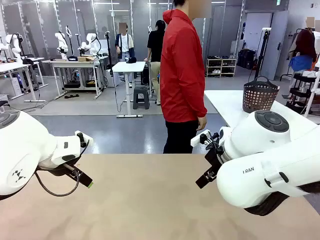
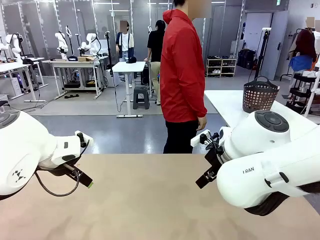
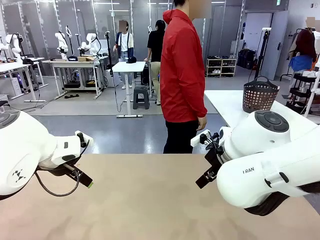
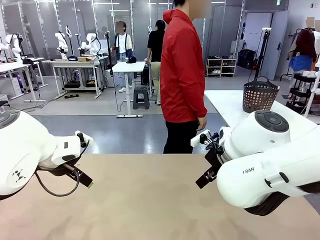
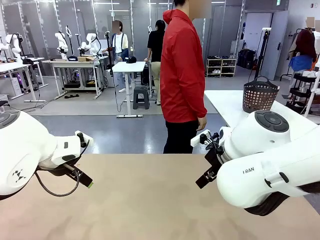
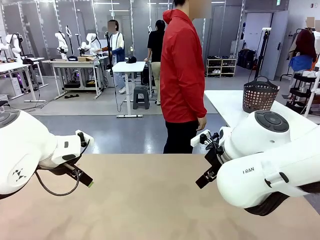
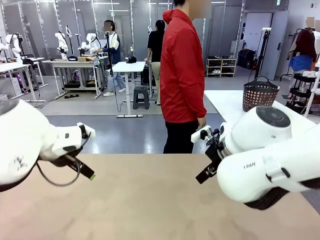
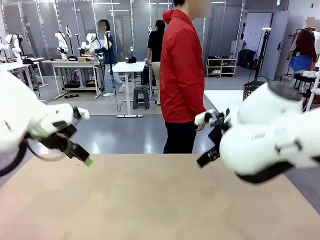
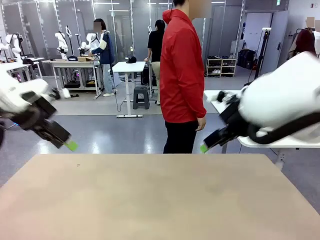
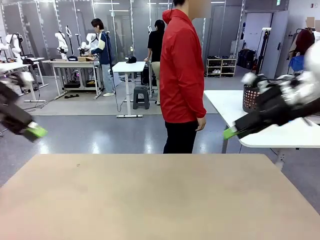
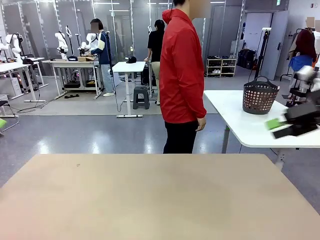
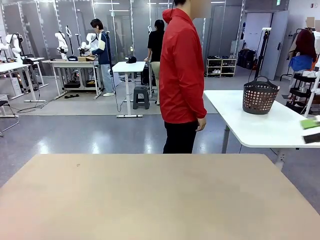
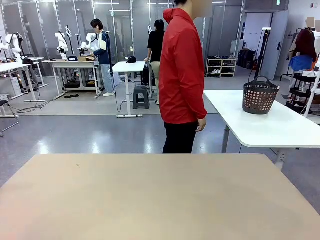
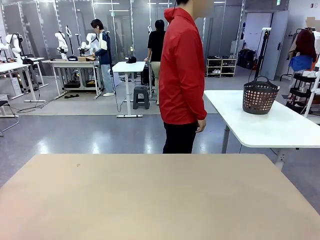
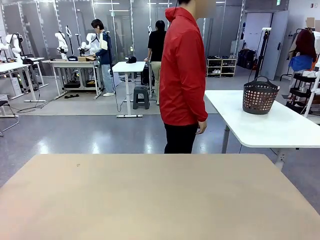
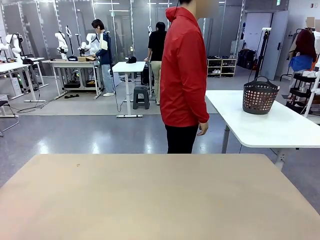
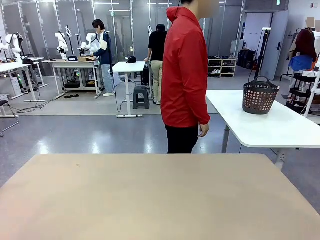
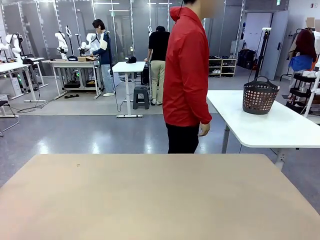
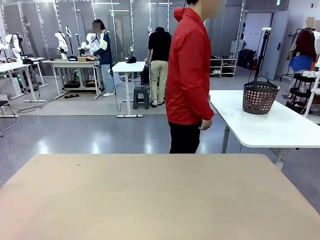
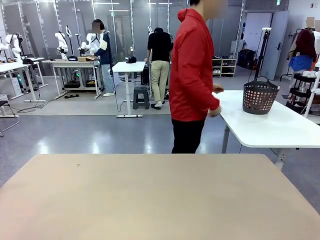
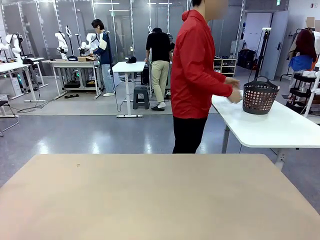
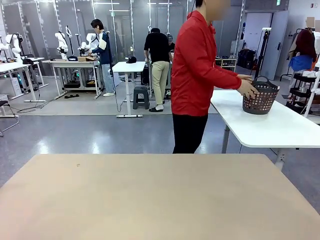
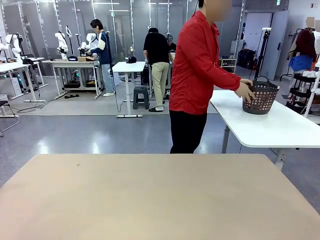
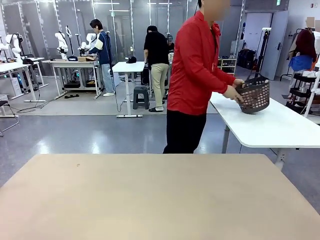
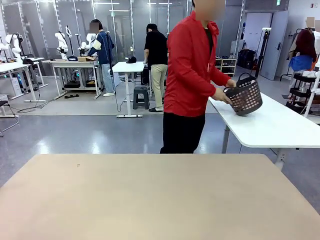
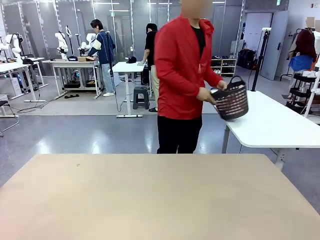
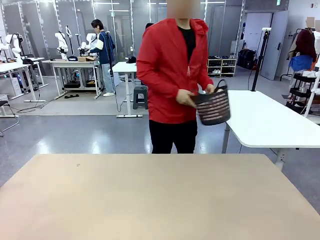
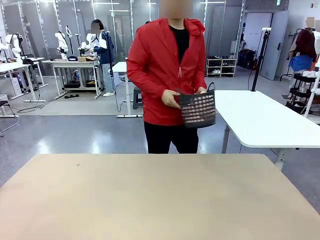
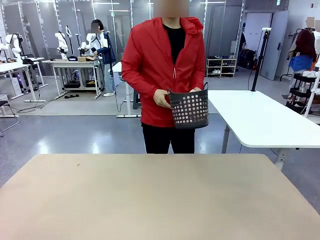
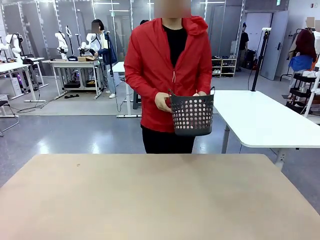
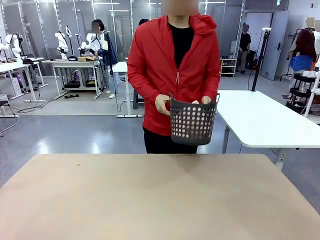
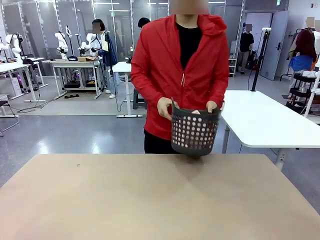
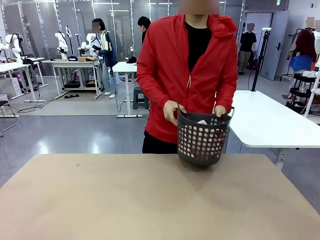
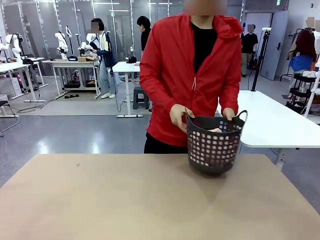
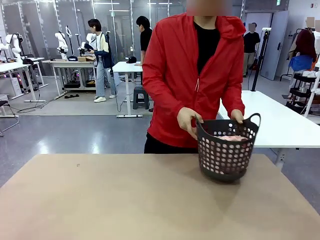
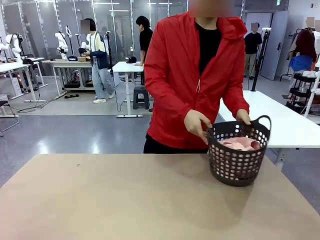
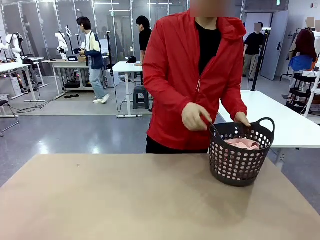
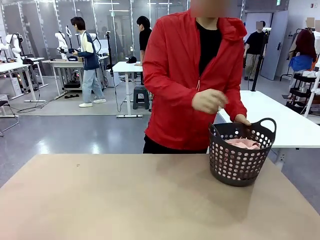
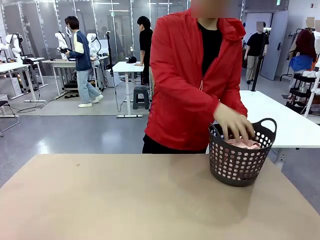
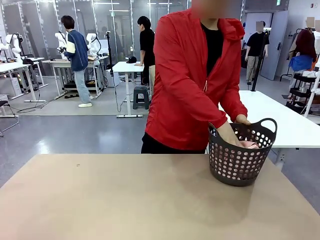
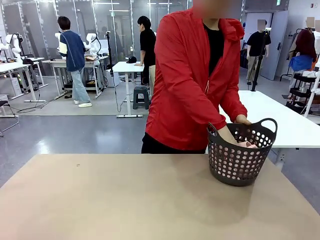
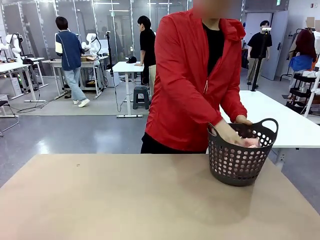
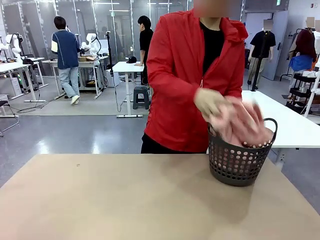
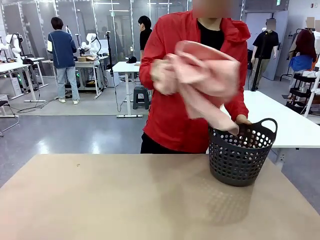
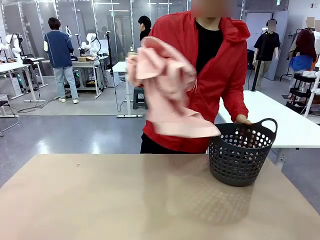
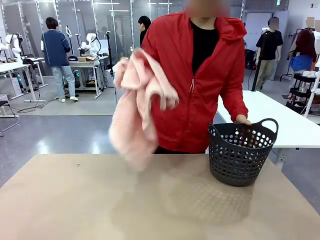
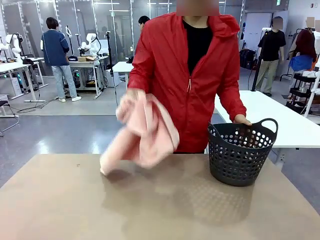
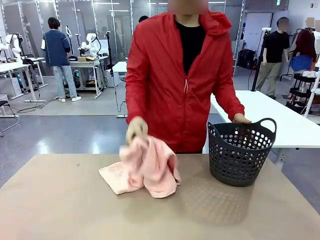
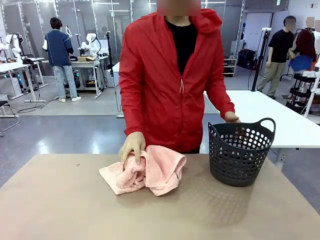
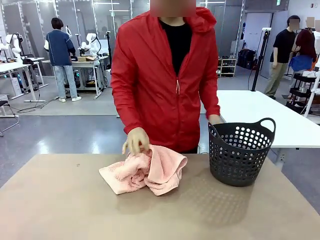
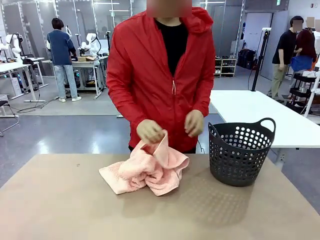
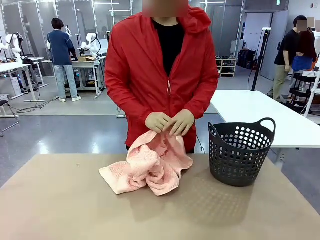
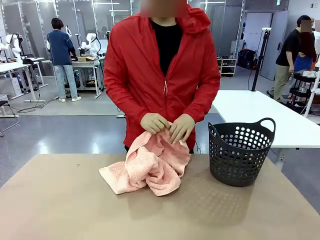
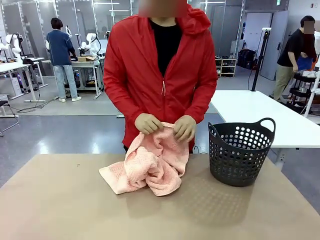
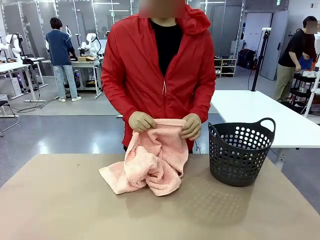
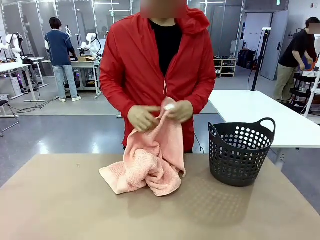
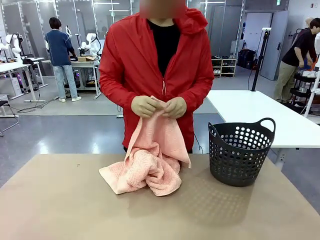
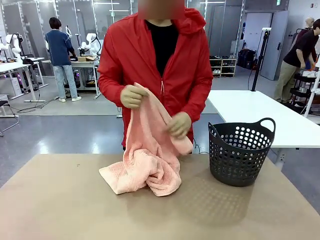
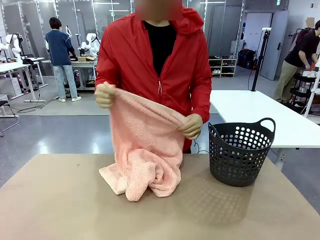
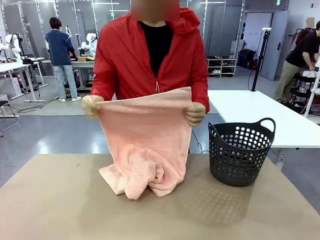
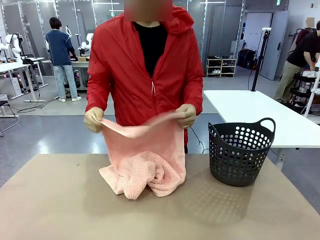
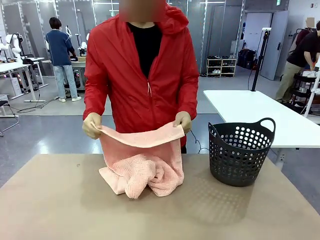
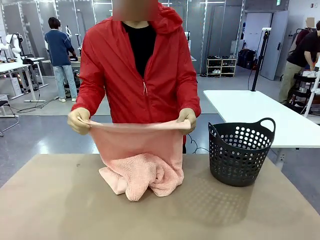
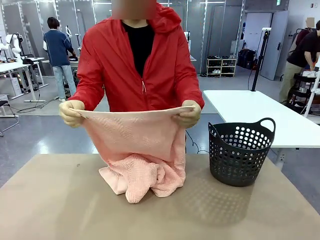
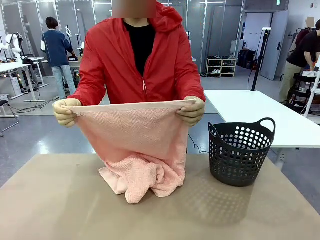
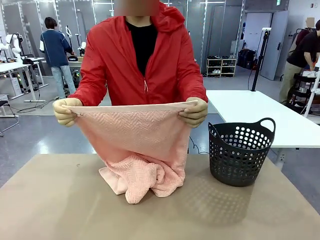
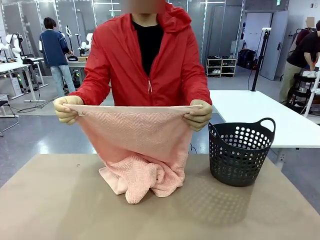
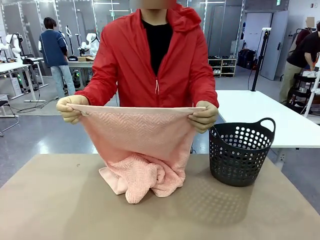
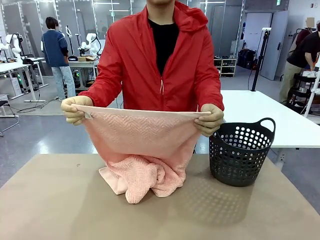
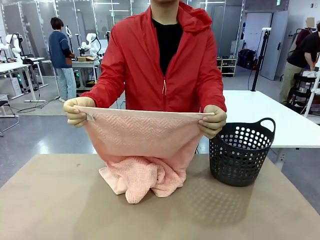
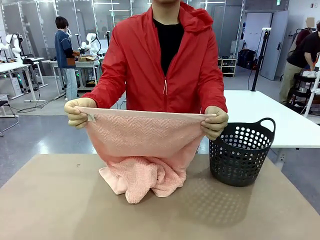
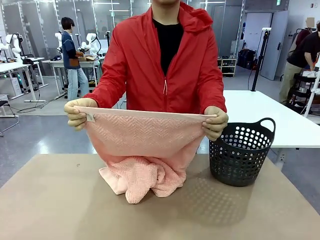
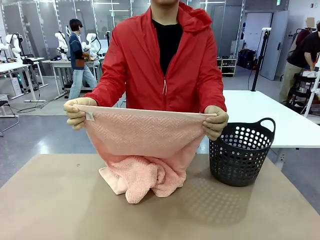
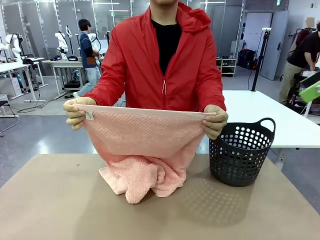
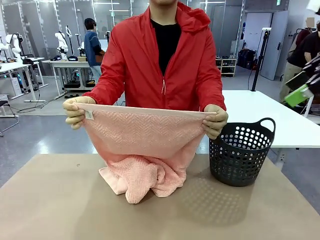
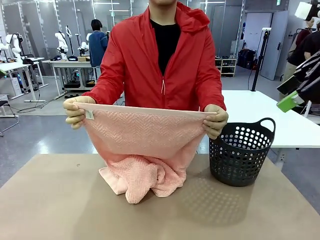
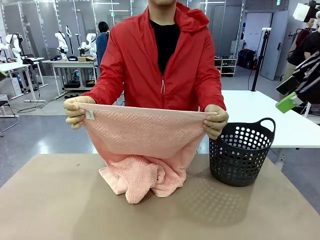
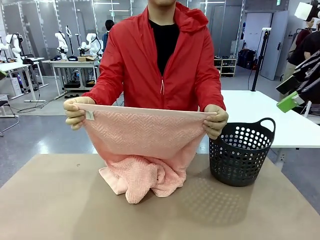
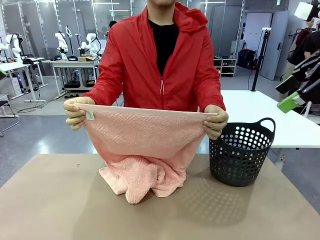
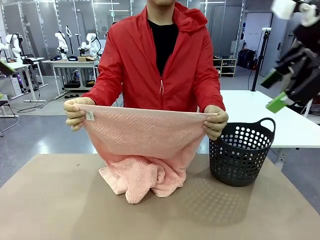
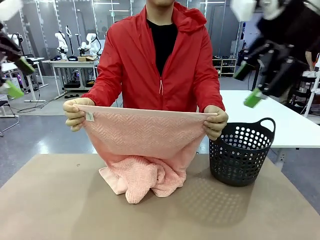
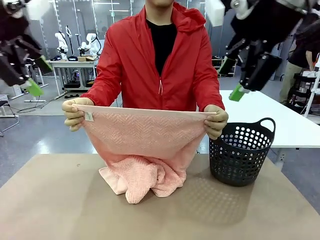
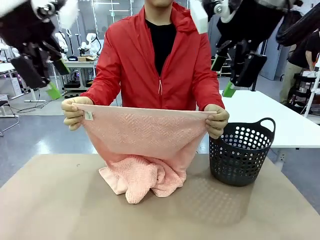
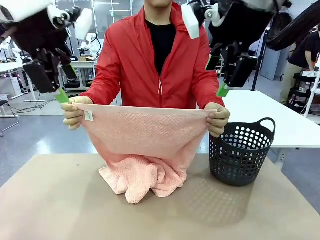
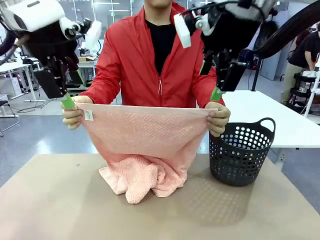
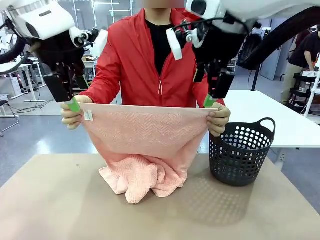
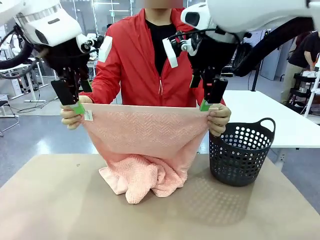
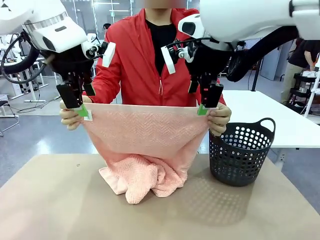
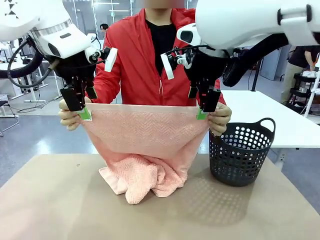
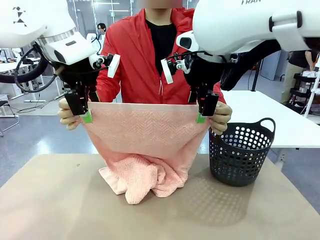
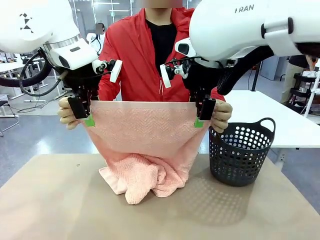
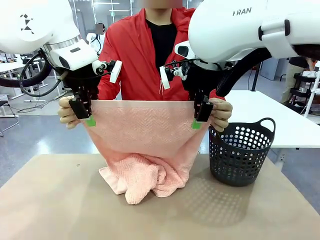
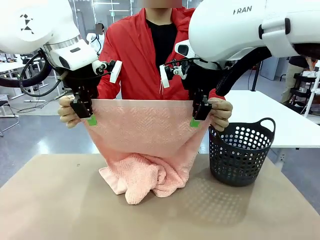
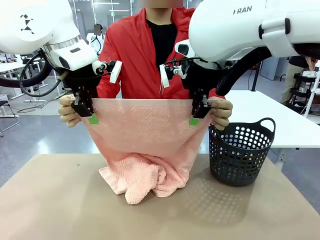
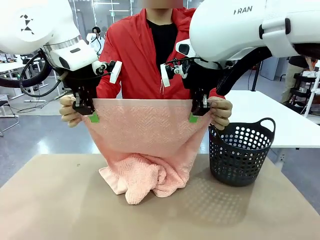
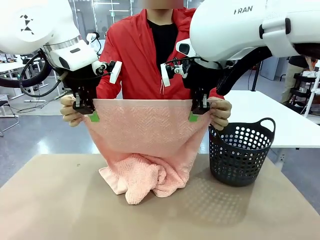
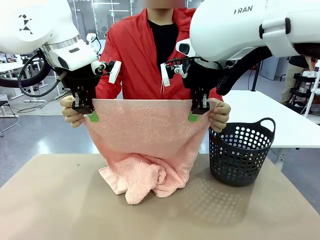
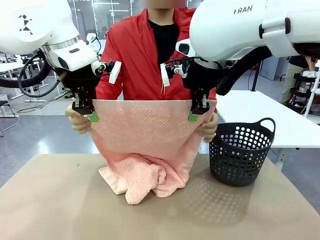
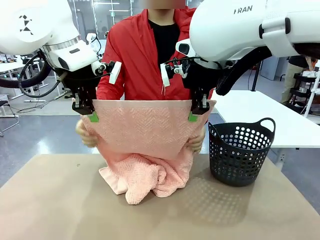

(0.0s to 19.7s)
Task: Fold the towel.
Robot: Grab the top end of the 100 cm Hotel Towel extended by the human.
Person: Pick up the laundry basket, place it on the left side of the robot table, then take out a towel and hand it to the robot while holding both corners of one end.
